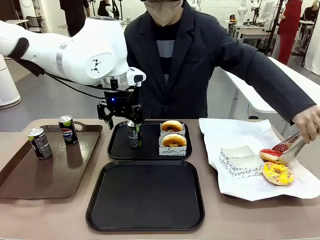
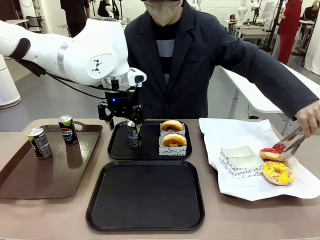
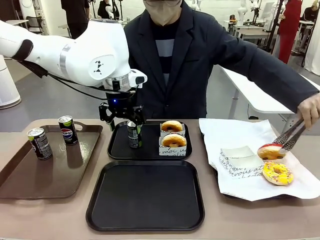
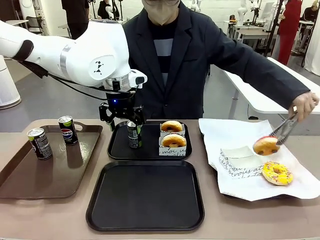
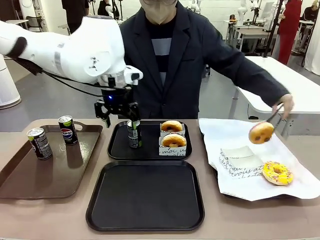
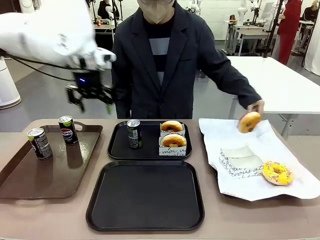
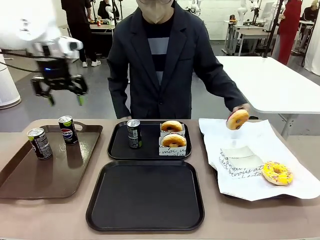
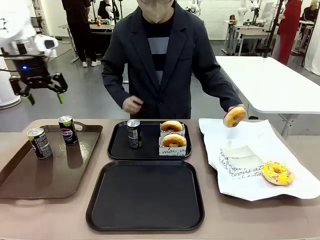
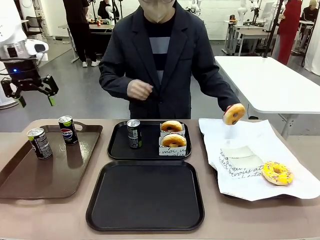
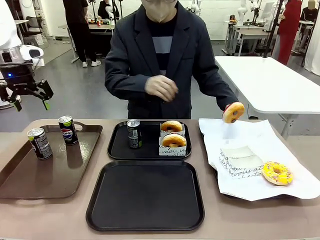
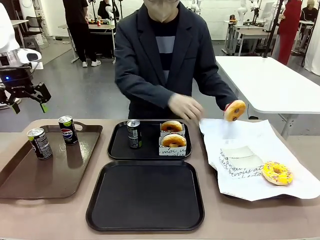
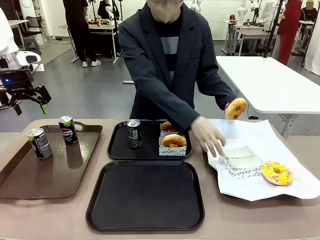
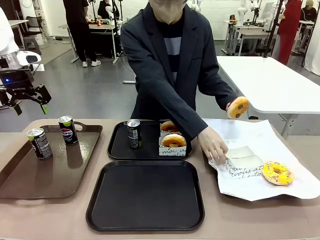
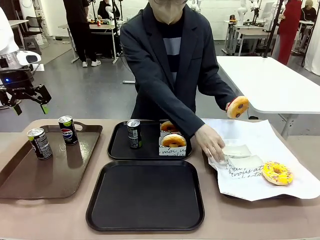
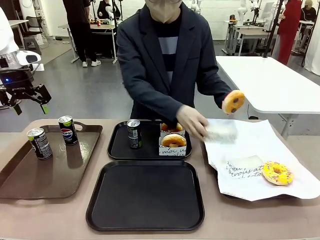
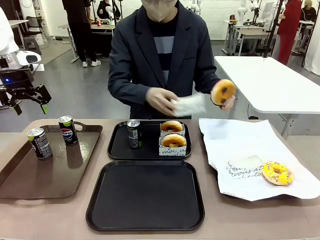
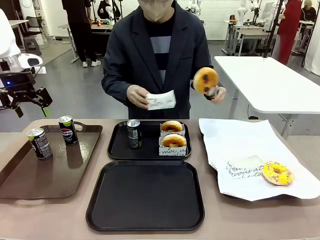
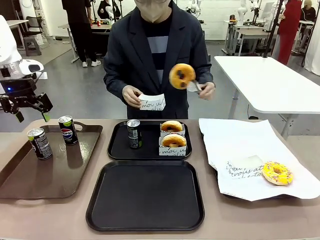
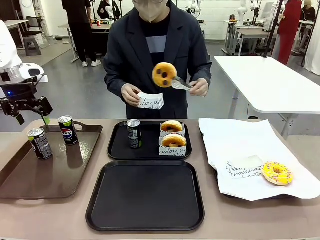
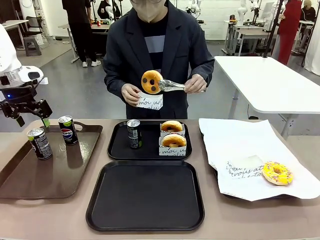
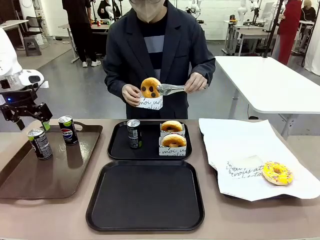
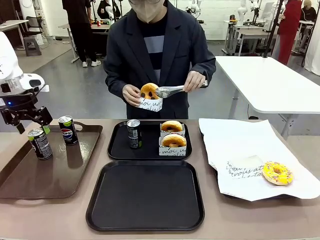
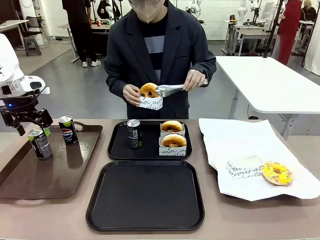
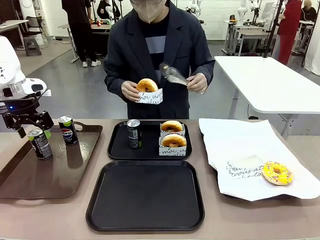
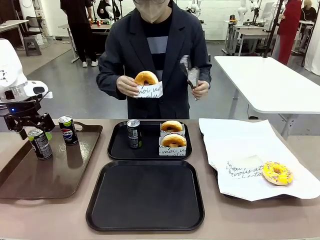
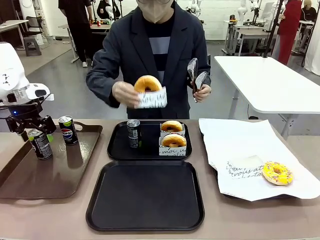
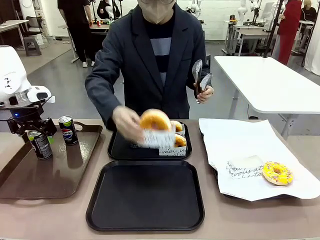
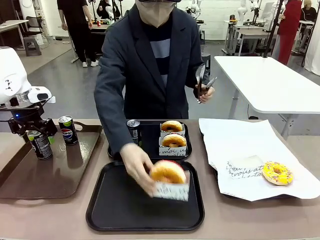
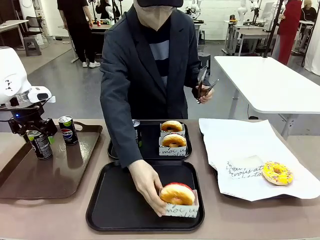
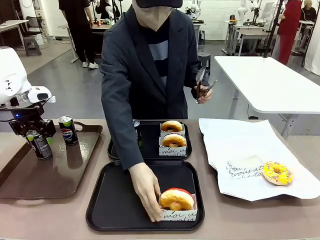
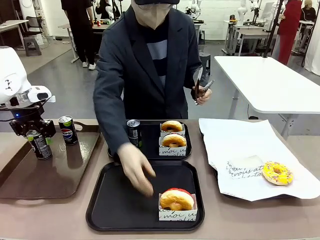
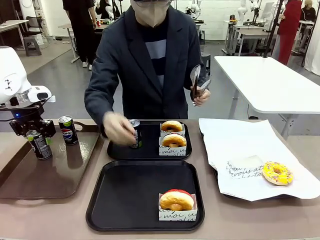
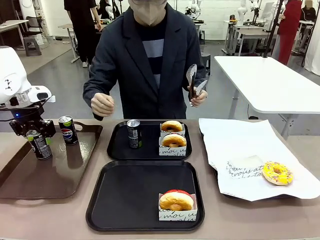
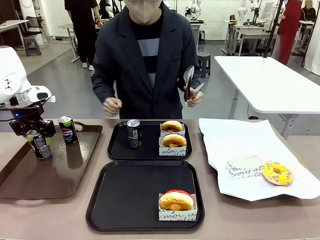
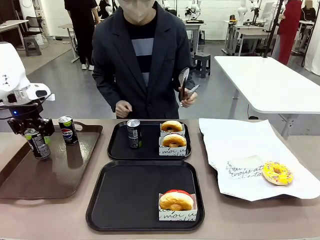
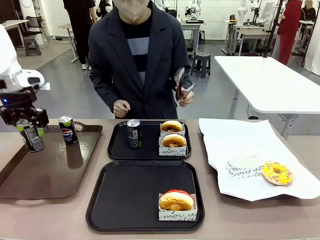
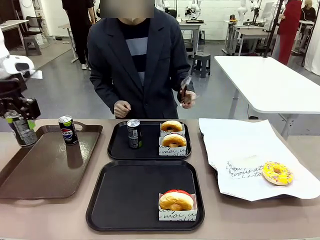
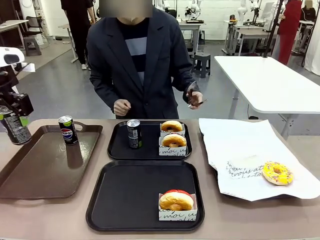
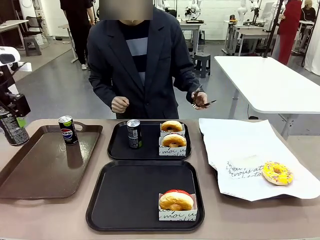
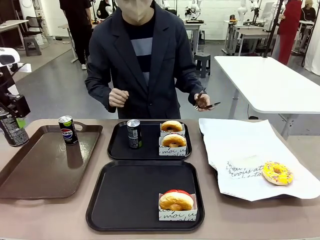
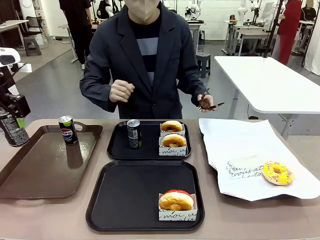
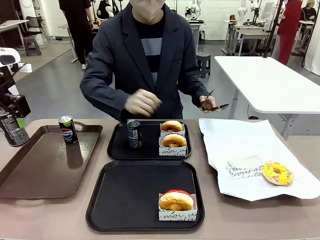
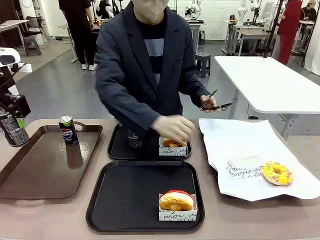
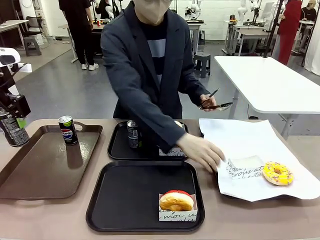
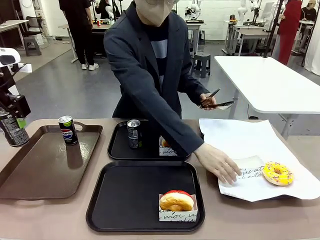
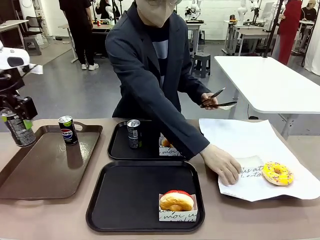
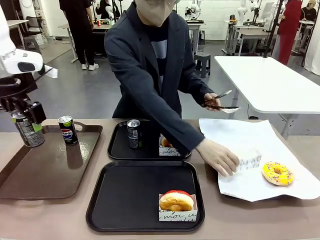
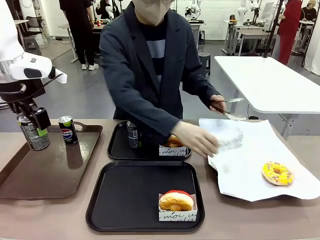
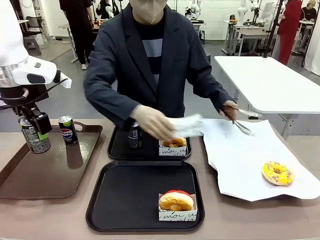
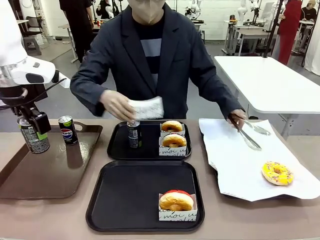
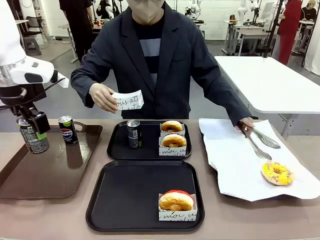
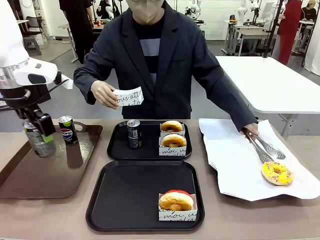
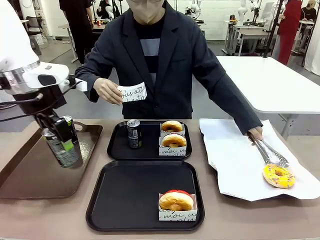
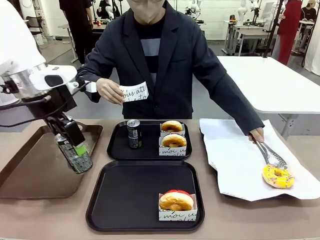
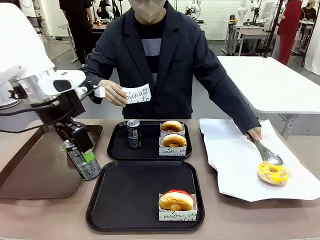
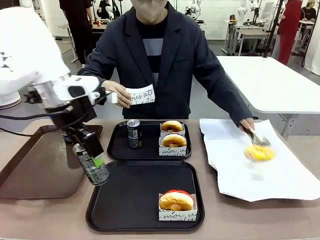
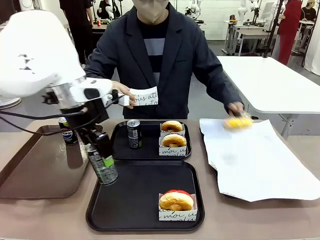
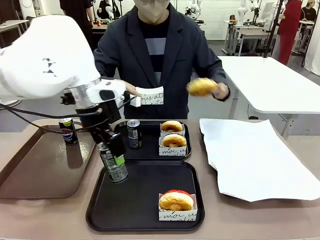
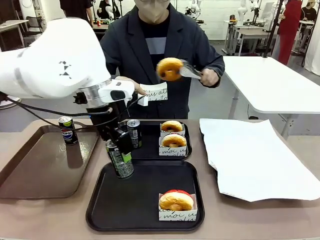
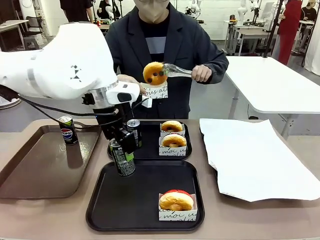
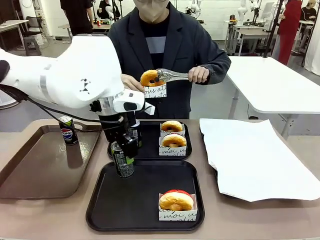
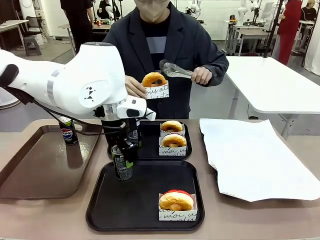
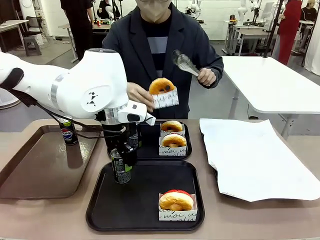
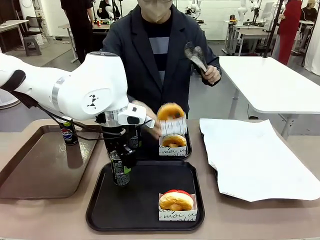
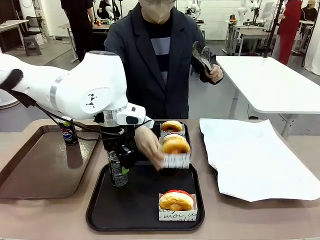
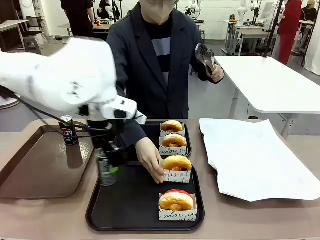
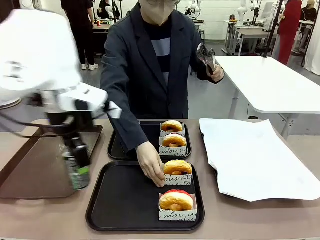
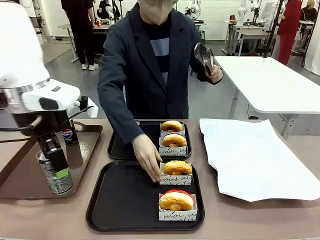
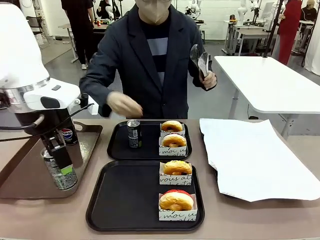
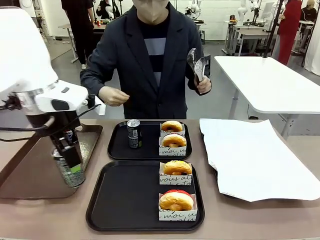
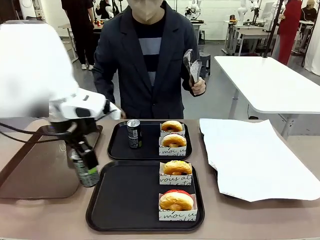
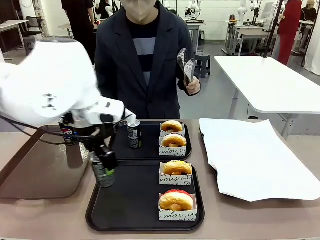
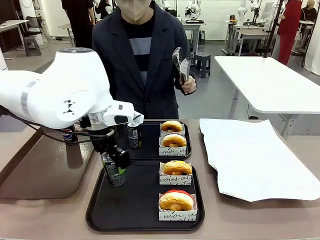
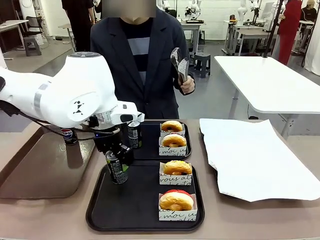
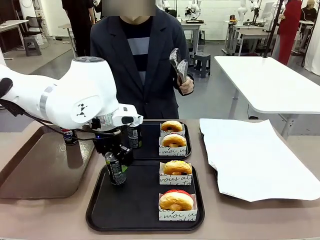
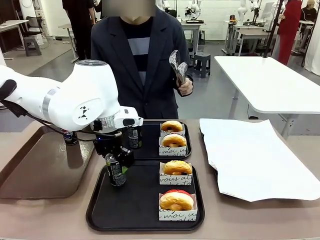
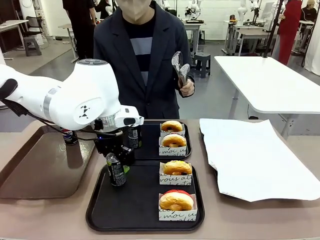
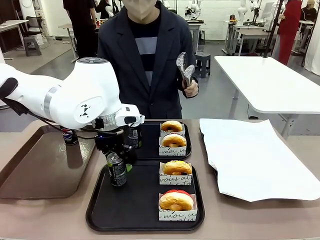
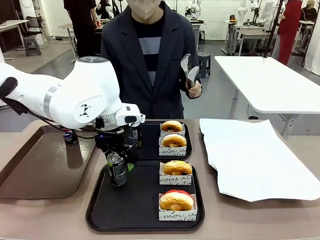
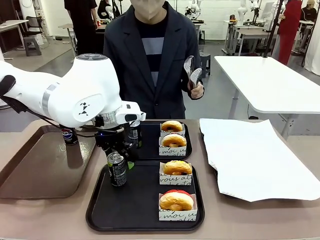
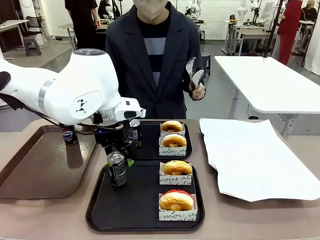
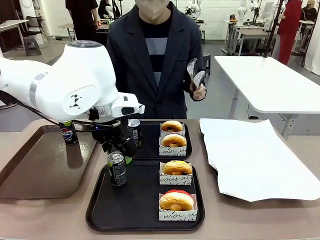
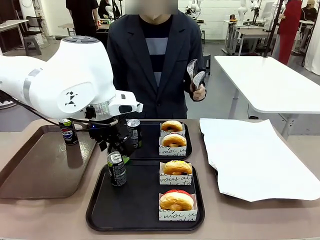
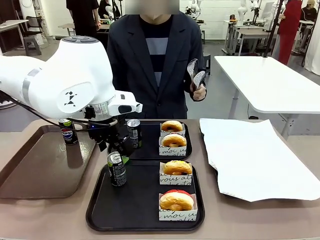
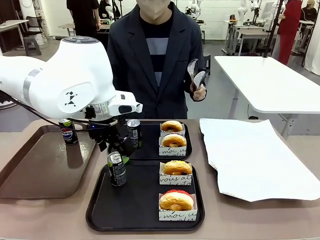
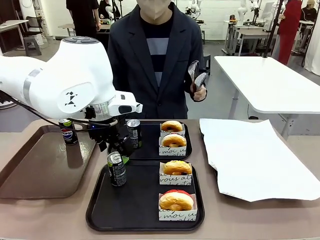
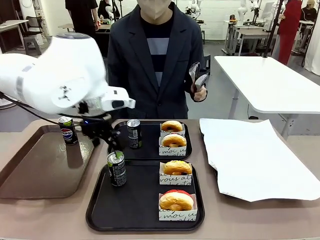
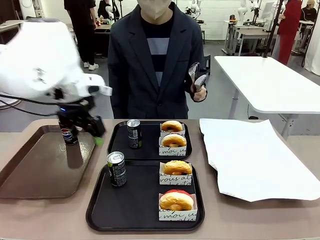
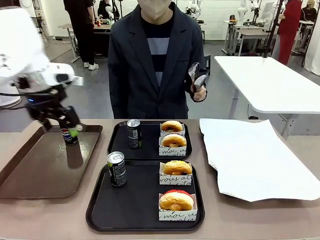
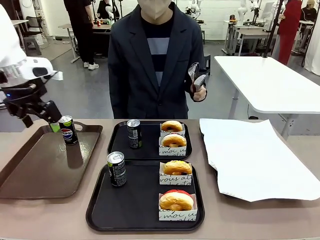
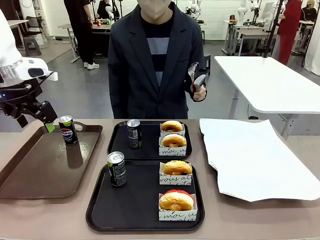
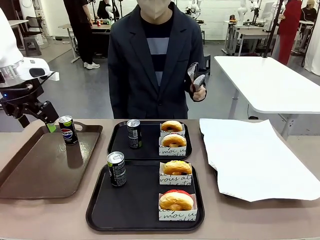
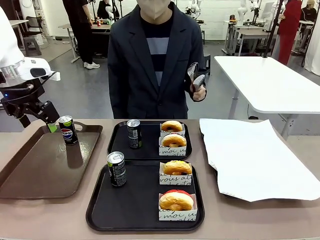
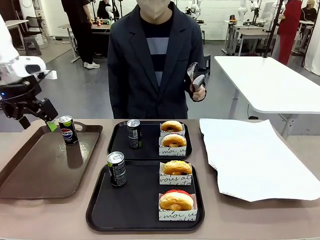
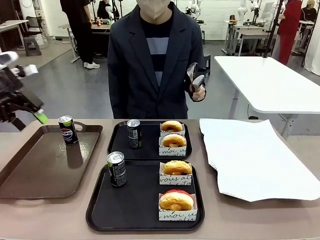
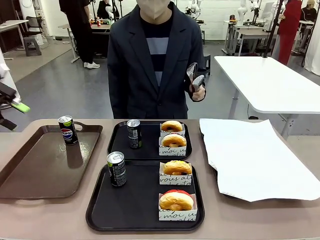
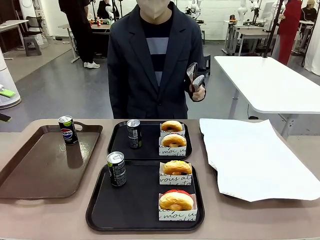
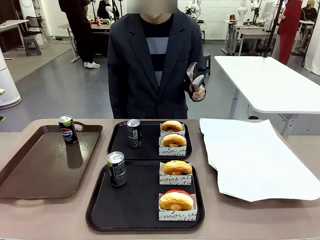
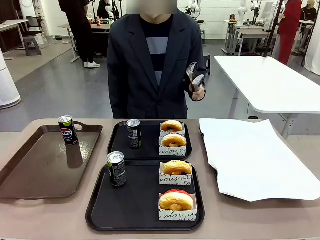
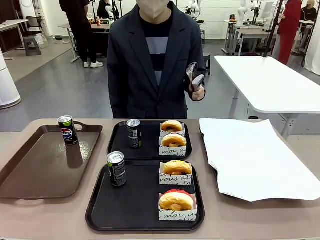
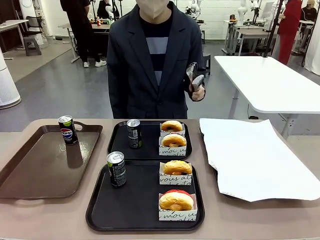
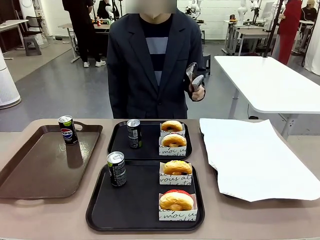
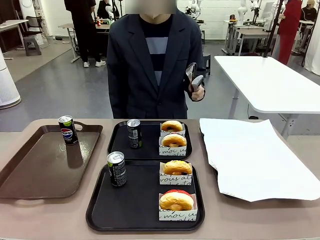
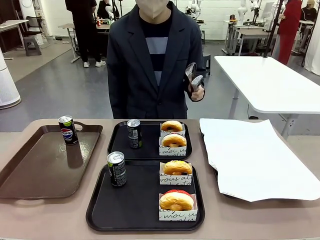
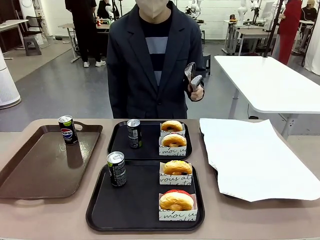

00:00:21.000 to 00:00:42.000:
Task: Set up donuts and drinks on trays.
Robot: Pick up one Pepsi coke from the Handle tray and place it on the Flat Tray without a Pepsi coke.
